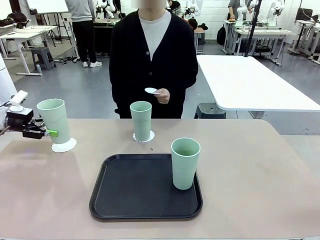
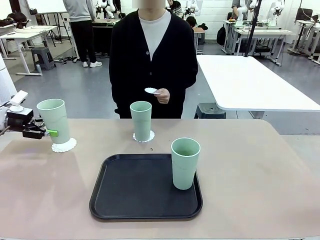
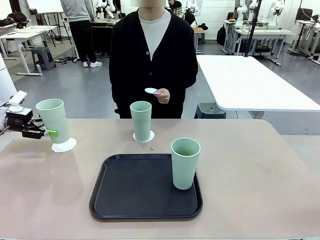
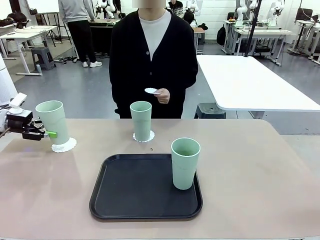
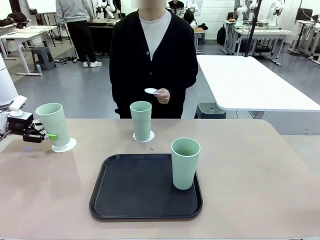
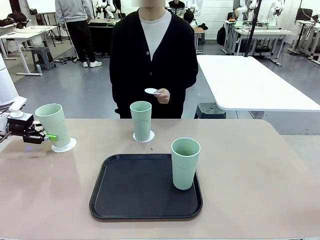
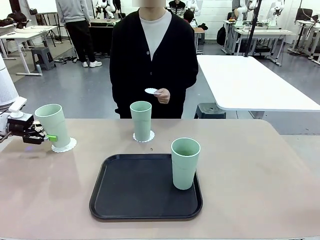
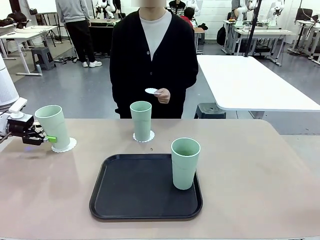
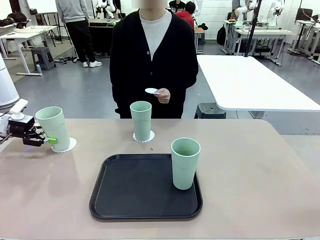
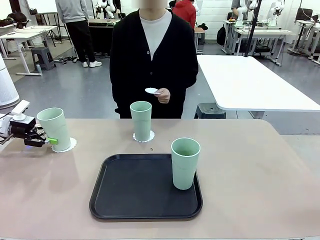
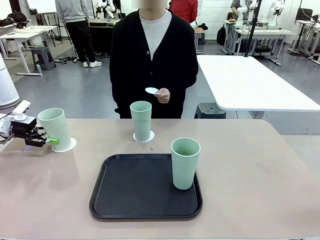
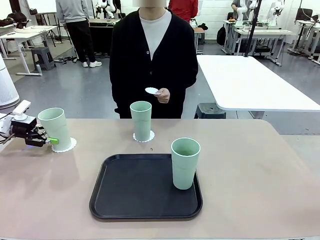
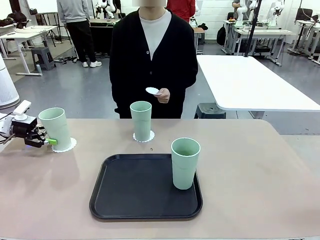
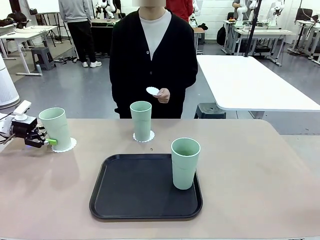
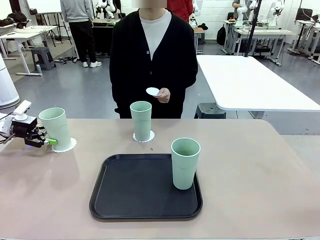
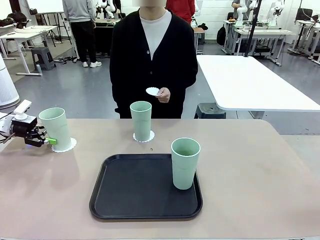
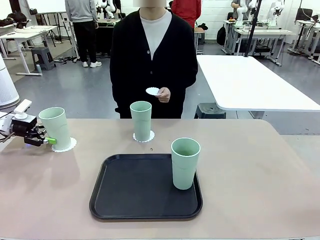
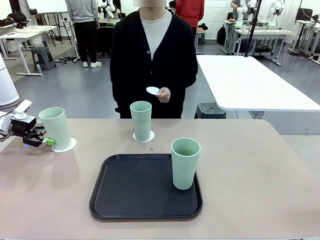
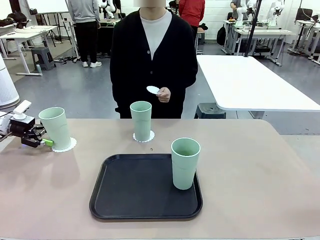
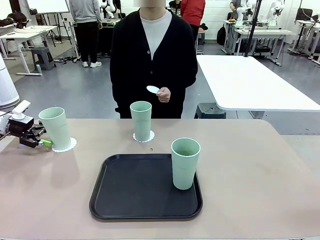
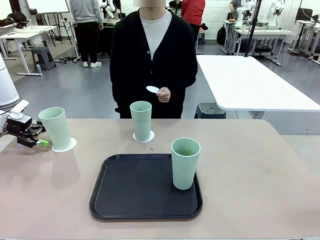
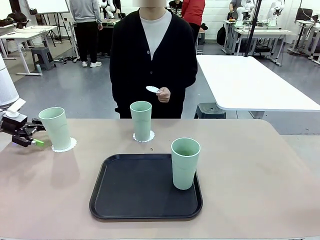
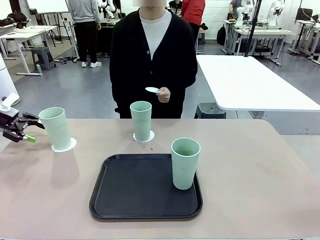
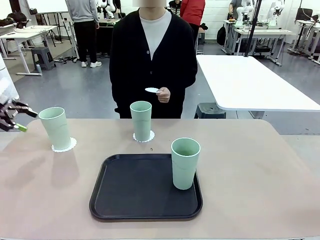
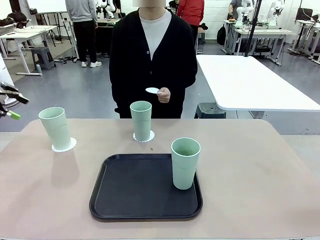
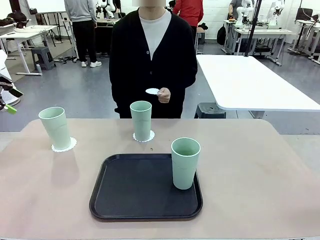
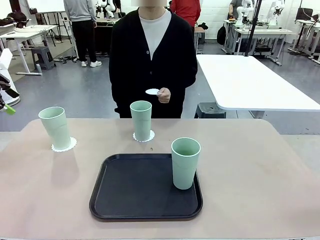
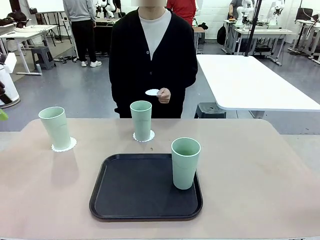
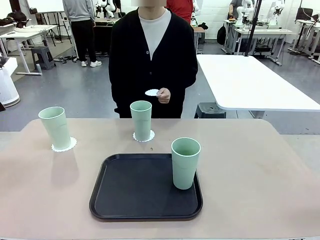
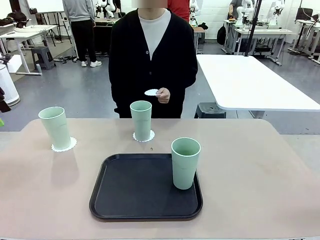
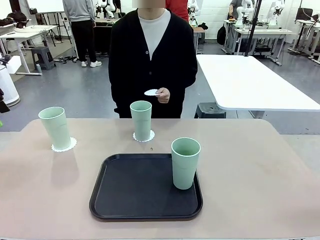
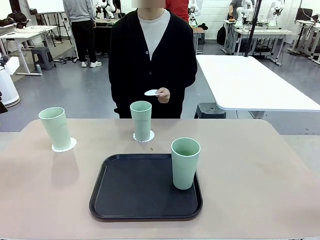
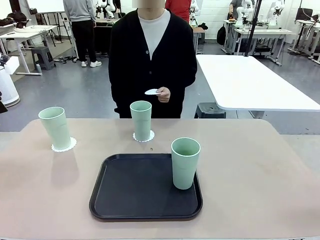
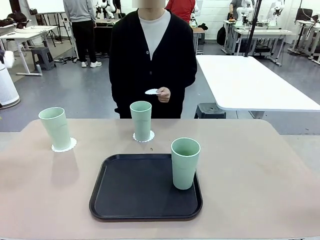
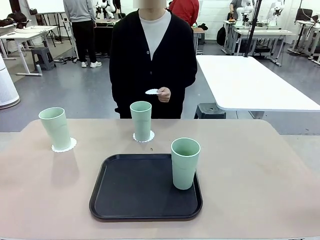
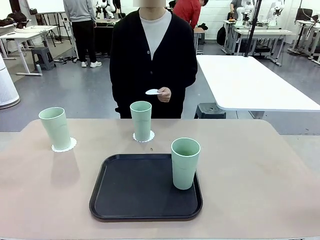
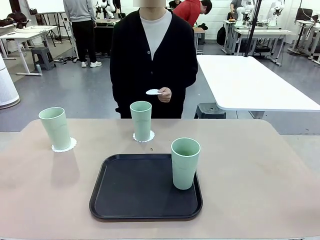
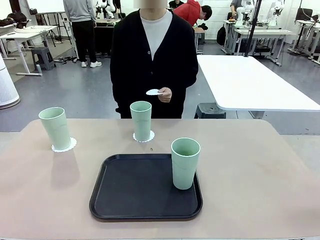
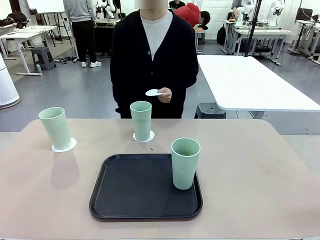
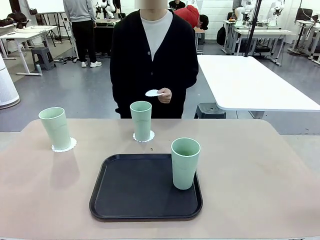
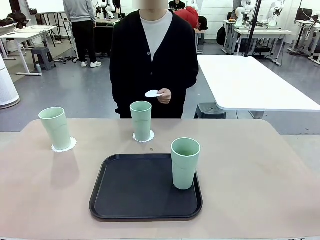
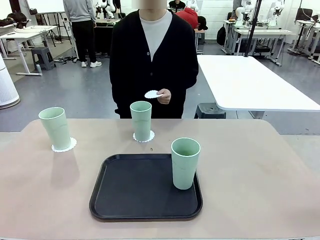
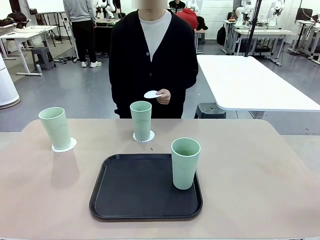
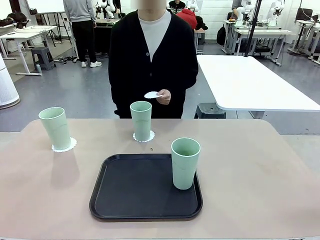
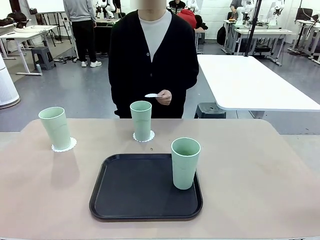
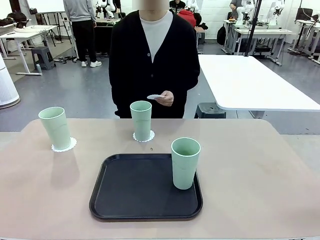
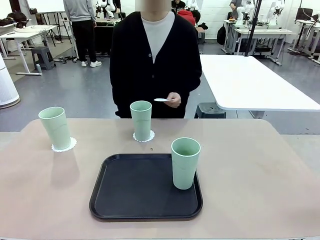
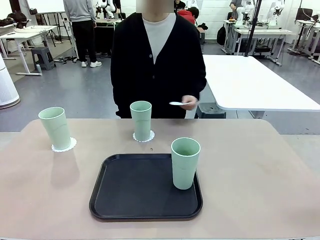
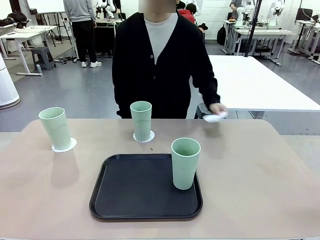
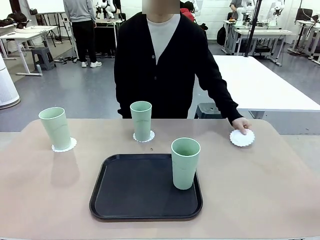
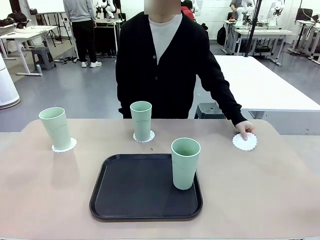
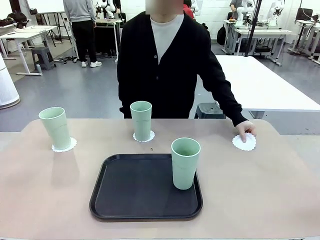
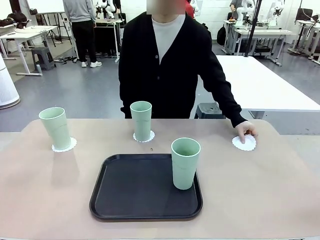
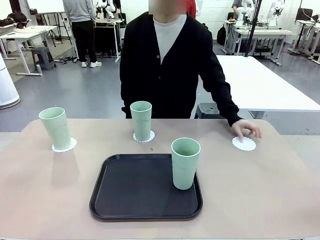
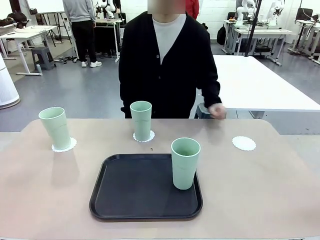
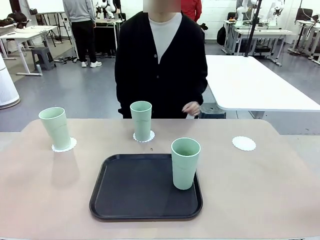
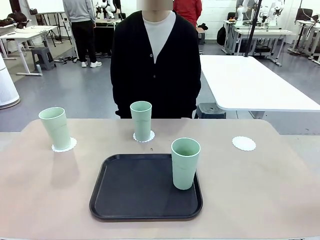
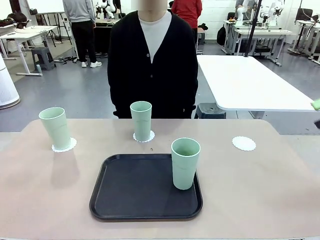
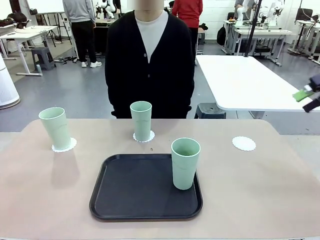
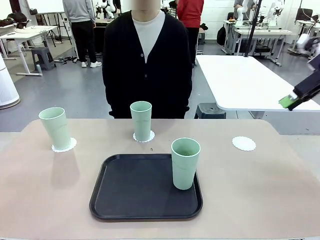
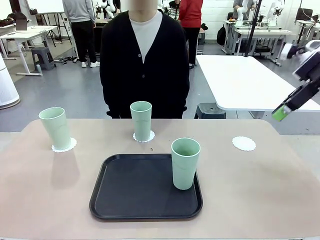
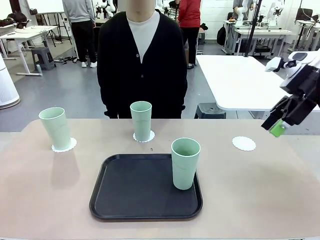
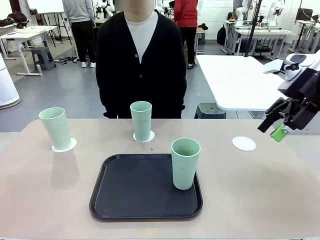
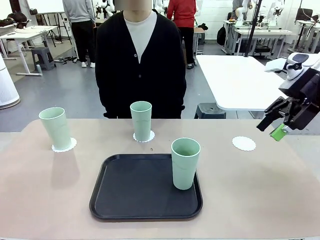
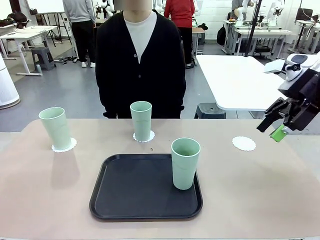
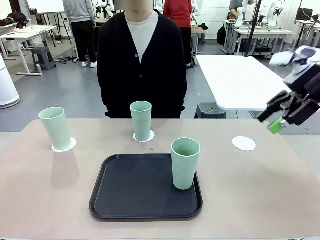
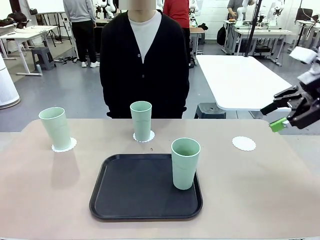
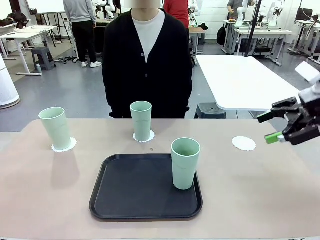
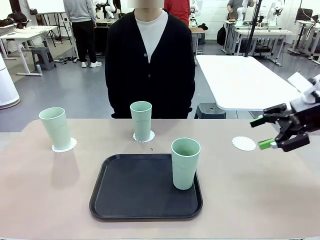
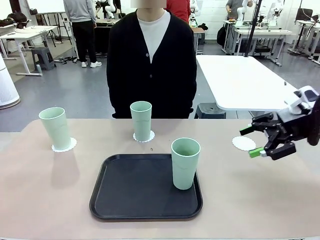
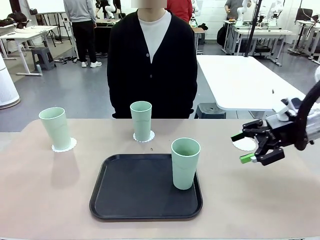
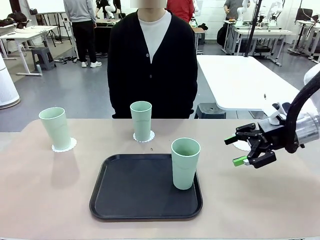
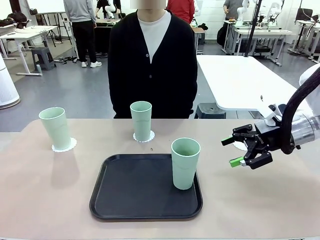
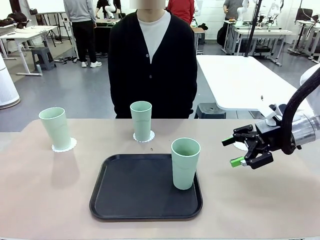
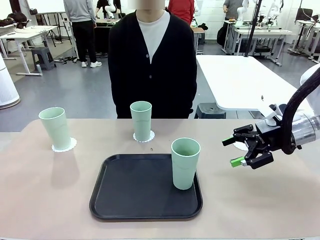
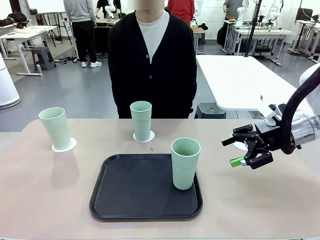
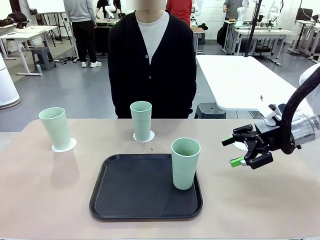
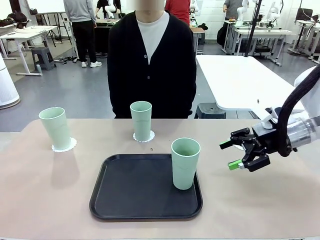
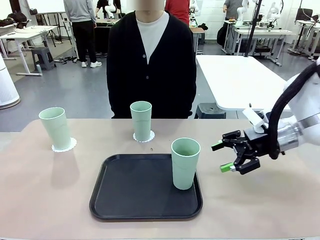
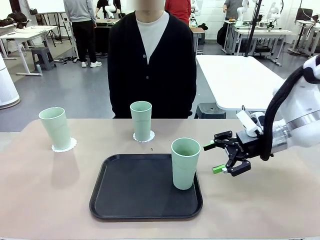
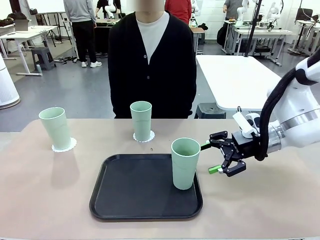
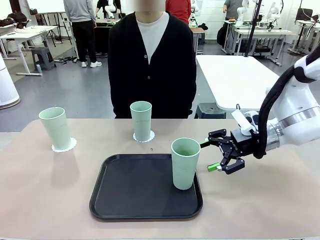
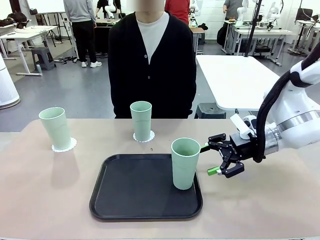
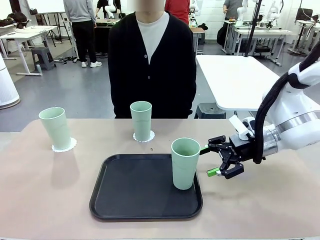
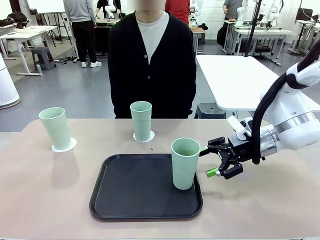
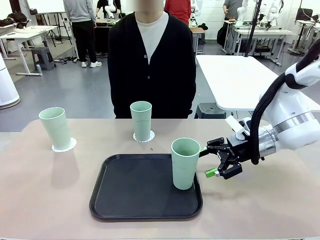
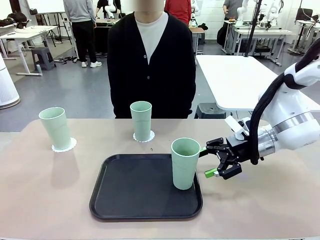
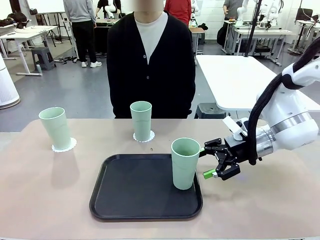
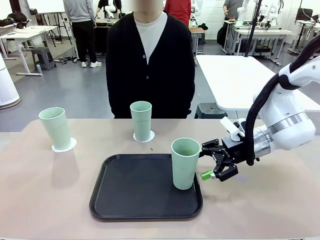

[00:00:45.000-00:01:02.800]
Task: Place coasters on the table and set cups on them.
Robot: Take one Reusable plastic cup from the Flat Tray and place it on a coaster set by the human.
